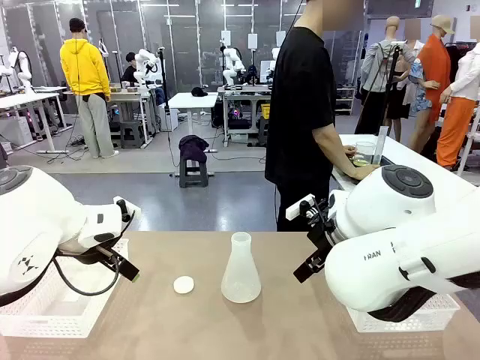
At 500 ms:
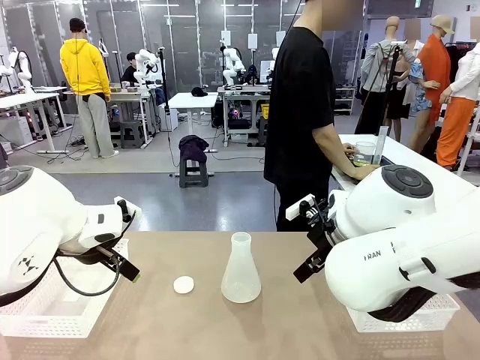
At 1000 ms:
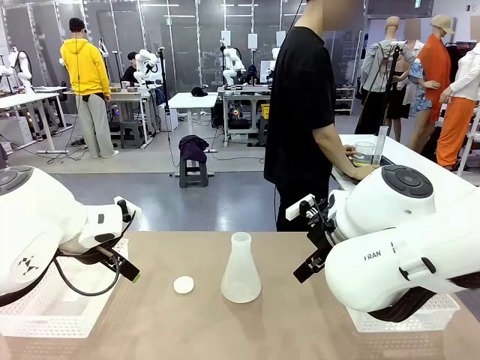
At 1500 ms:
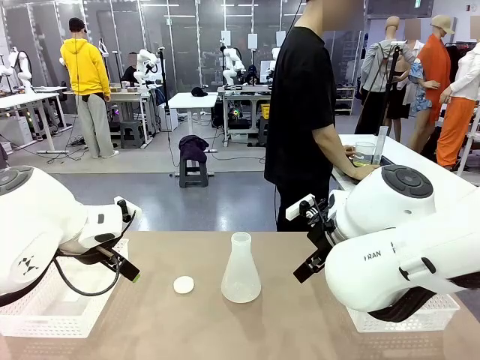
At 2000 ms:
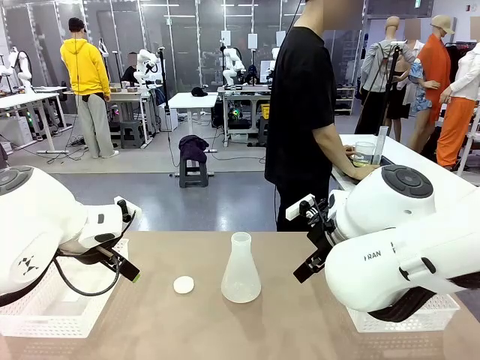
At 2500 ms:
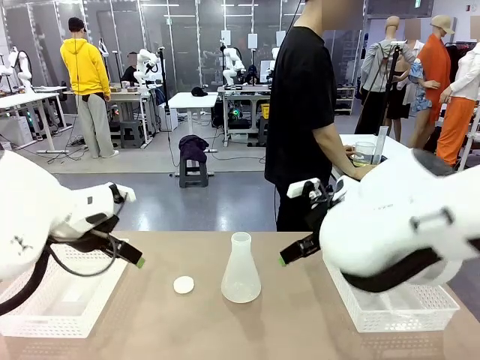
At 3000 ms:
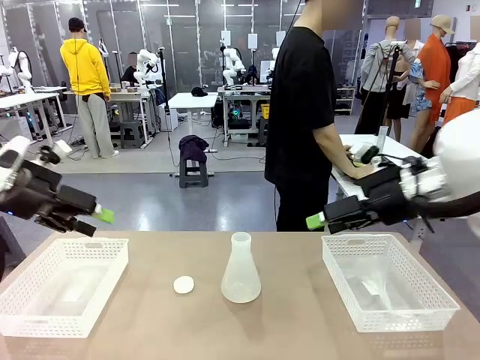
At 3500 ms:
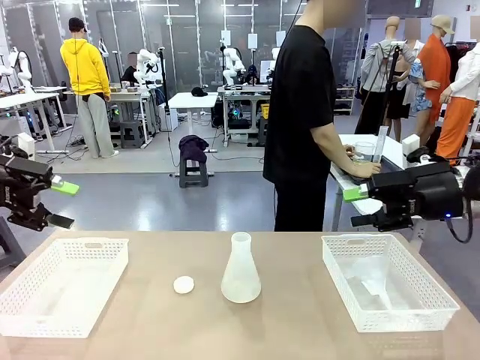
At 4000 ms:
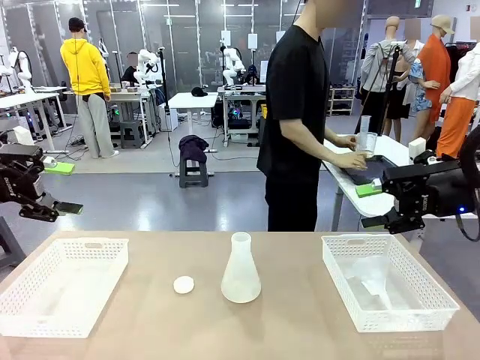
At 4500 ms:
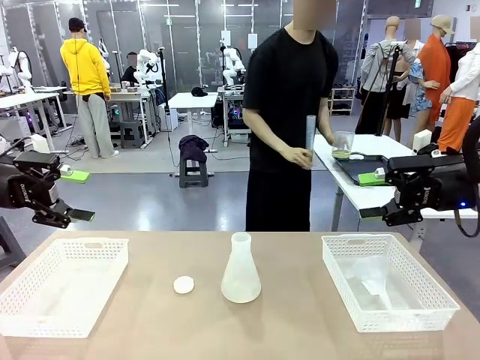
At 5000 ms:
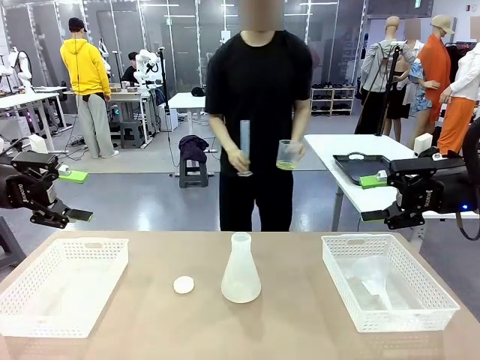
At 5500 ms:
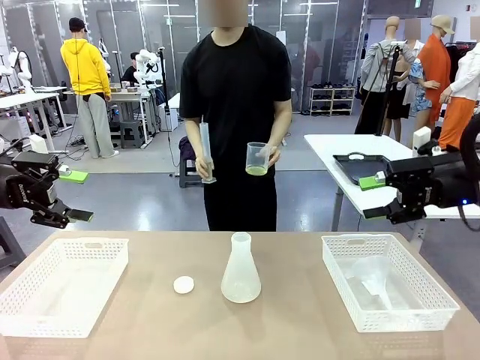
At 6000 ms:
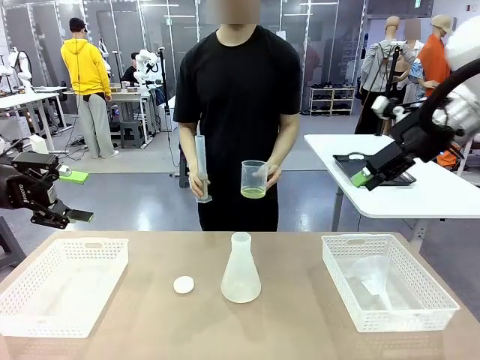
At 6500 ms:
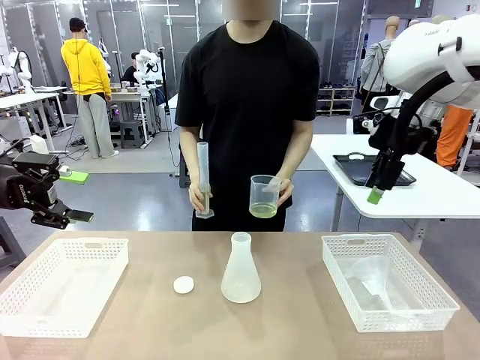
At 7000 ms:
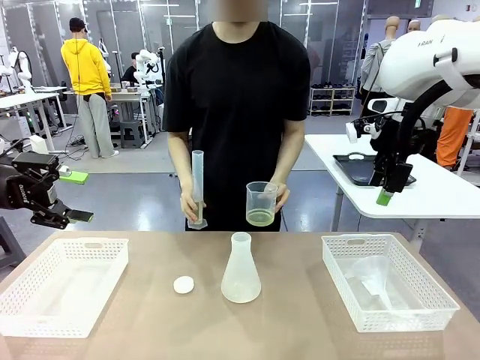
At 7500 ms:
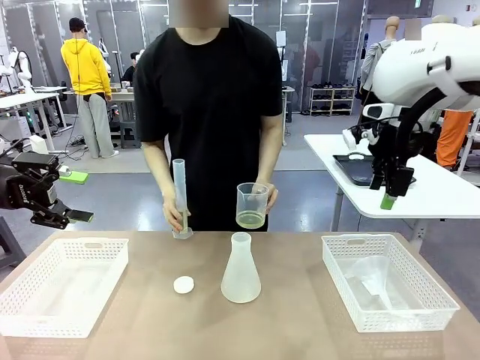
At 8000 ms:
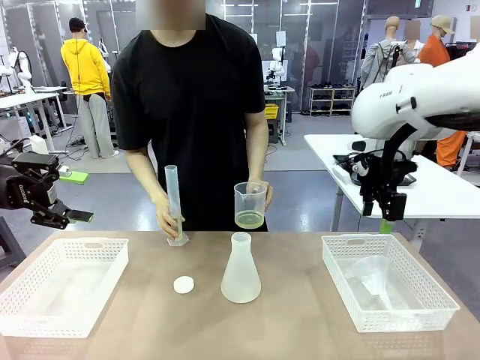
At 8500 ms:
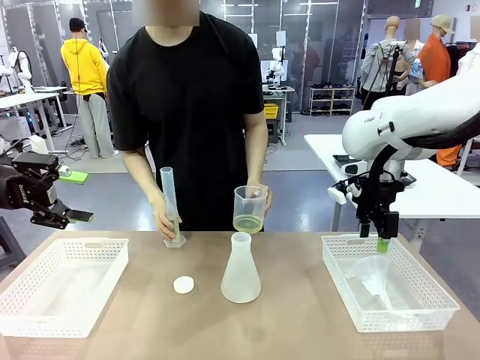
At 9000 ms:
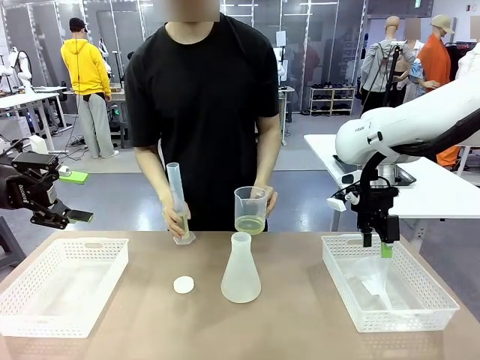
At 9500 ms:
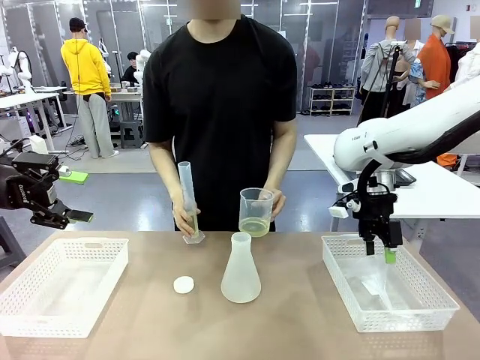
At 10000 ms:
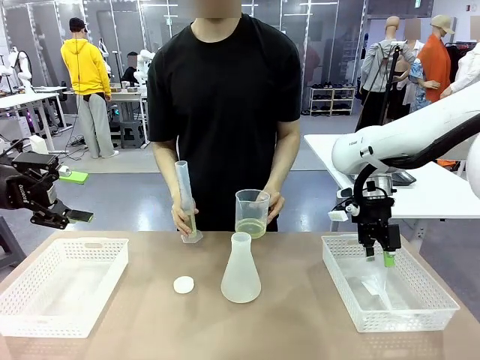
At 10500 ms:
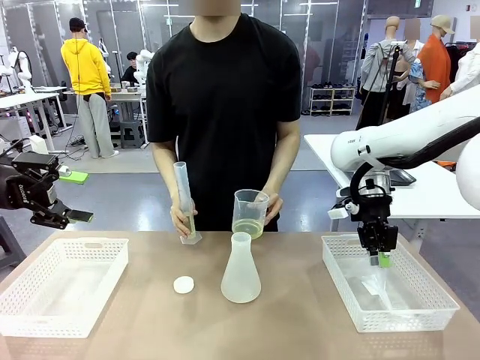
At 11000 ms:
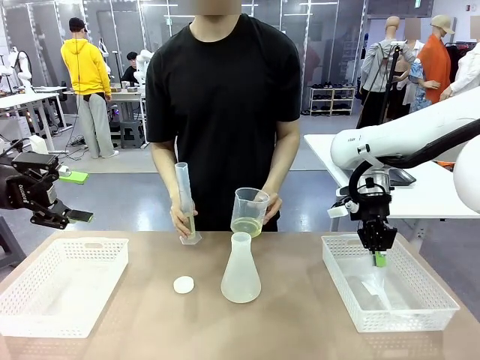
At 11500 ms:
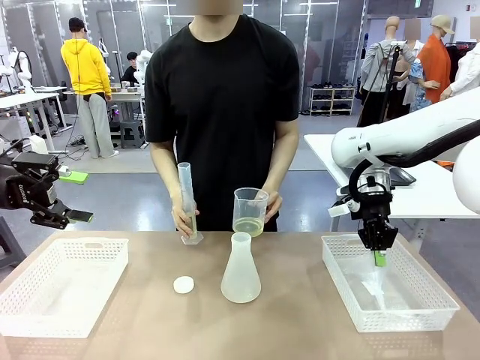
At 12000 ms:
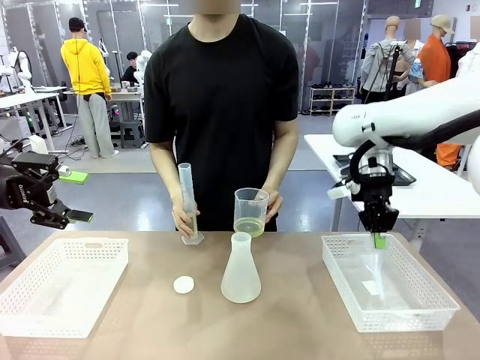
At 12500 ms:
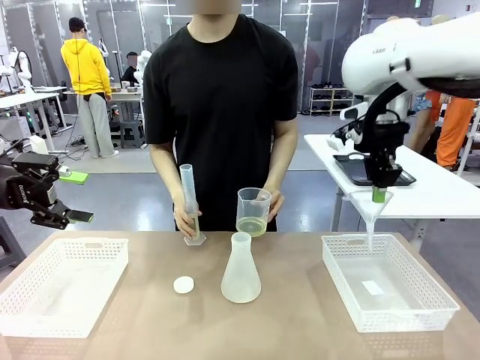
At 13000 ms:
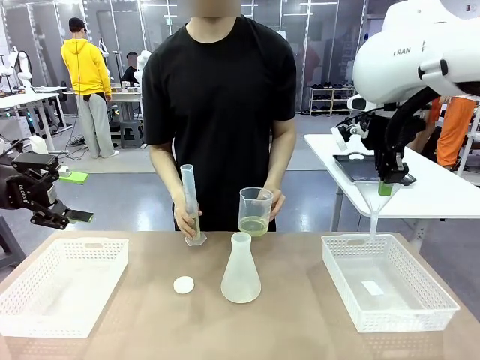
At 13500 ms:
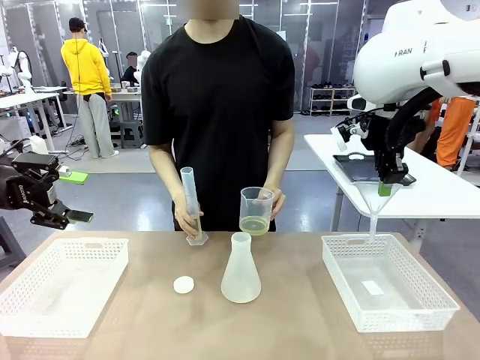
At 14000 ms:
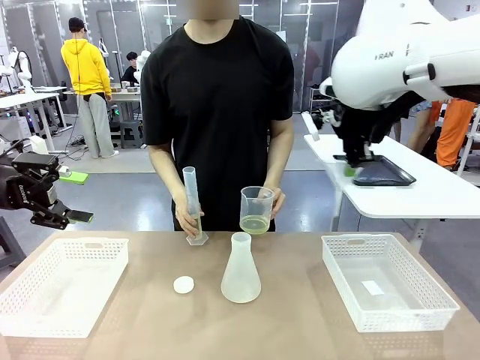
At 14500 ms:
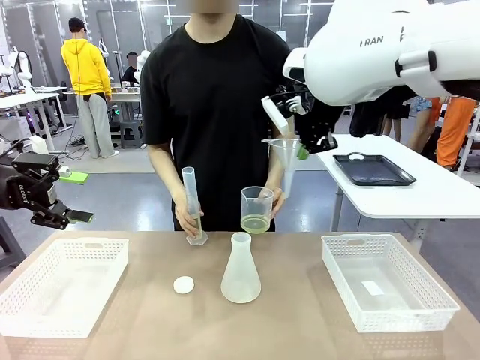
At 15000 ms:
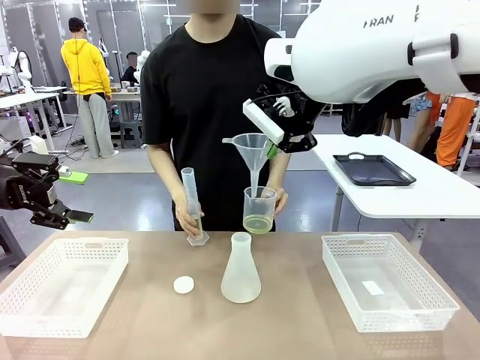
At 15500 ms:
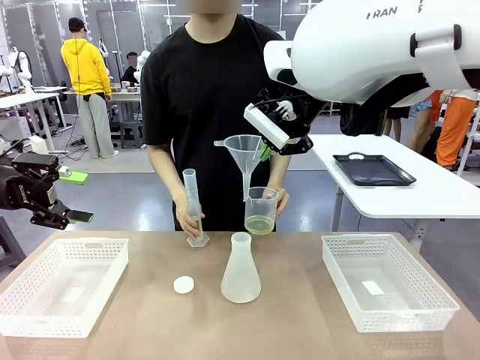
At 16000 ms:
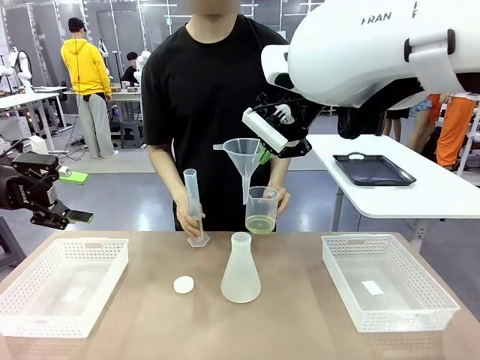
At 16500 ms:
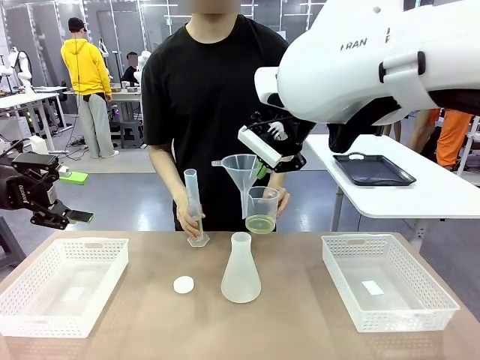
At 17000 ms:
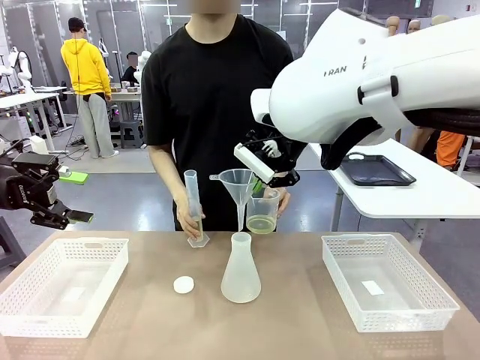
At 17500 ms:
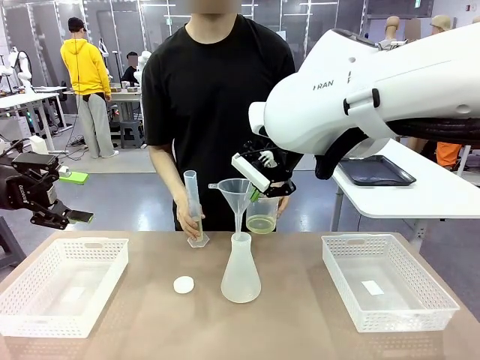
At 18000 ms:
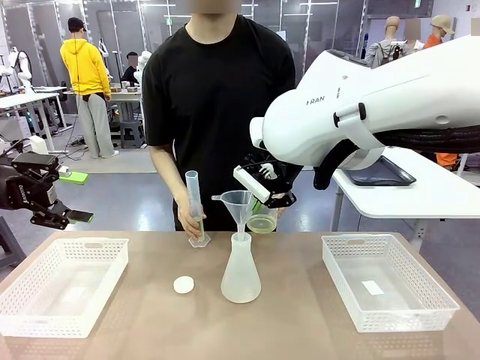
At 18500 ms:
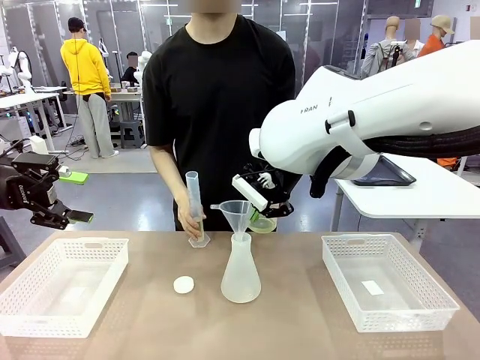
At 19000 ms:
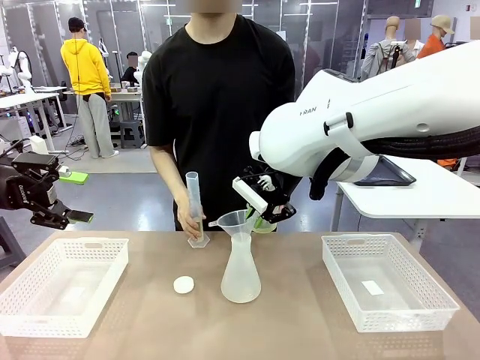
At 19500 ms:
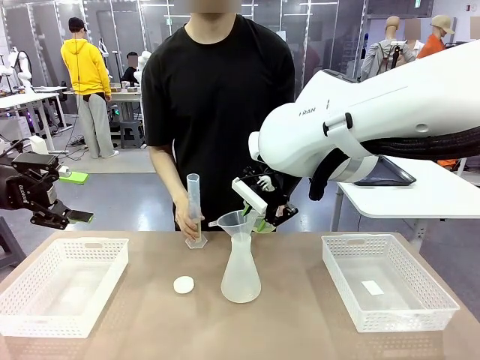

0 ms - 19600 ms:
Task: Prepare the solutions needed for the experiment.
Robot: Pick up the Plastic Funnel and insert it into the Big flask.
Person: Pick up the beaker and the cylinder and move to the middle of the robot table. Pour the solution from the beaker and the cylinder into the flask.

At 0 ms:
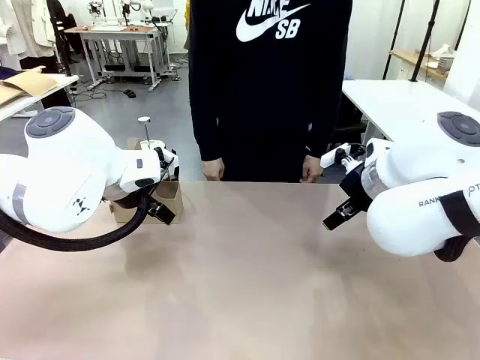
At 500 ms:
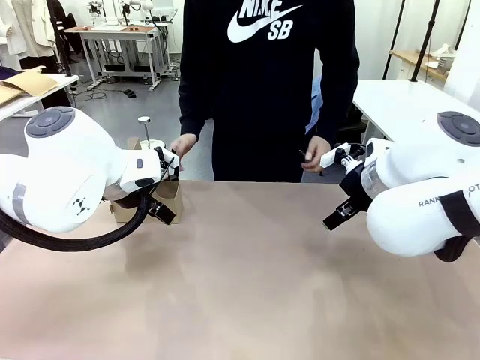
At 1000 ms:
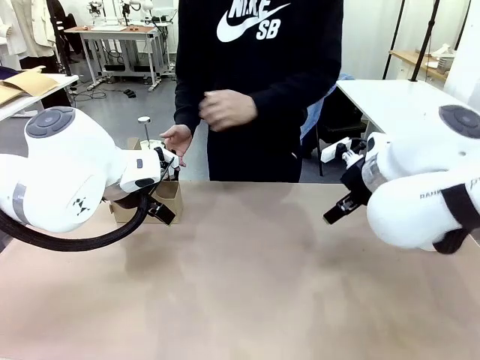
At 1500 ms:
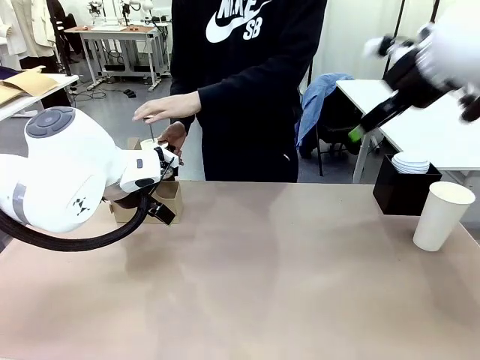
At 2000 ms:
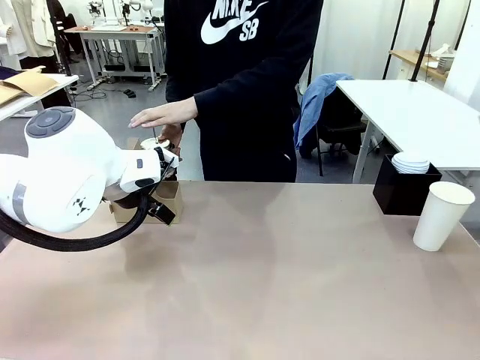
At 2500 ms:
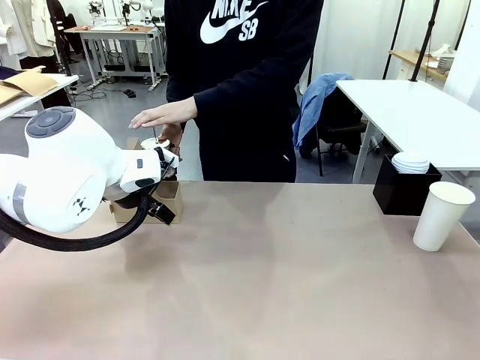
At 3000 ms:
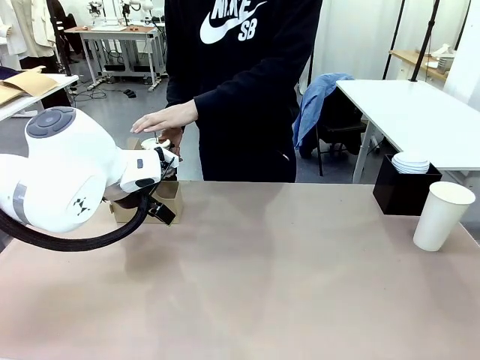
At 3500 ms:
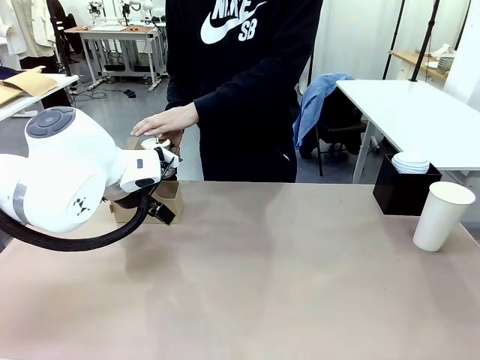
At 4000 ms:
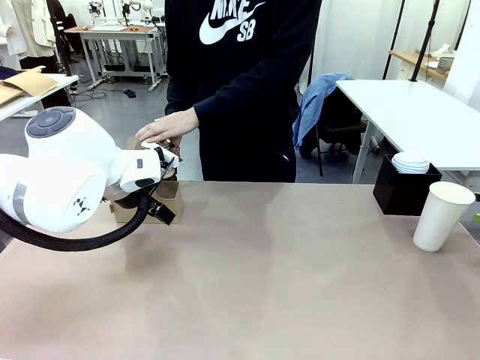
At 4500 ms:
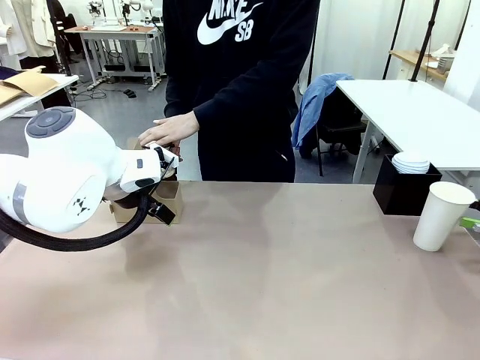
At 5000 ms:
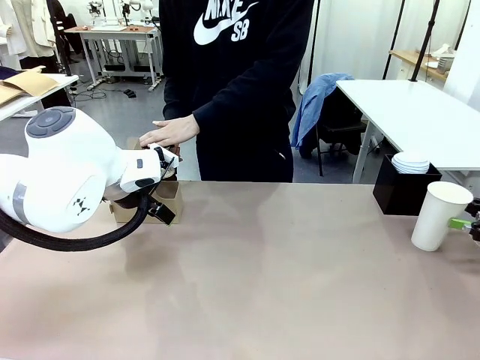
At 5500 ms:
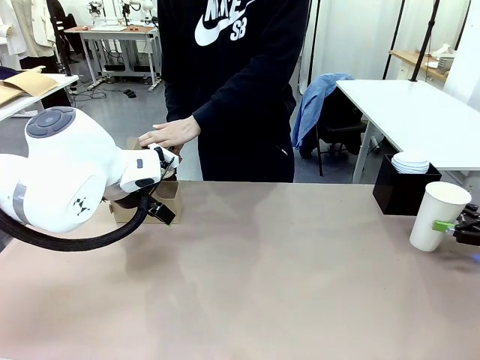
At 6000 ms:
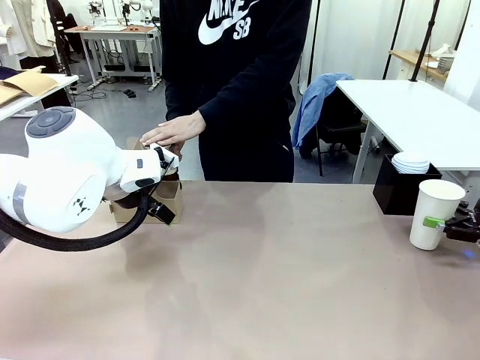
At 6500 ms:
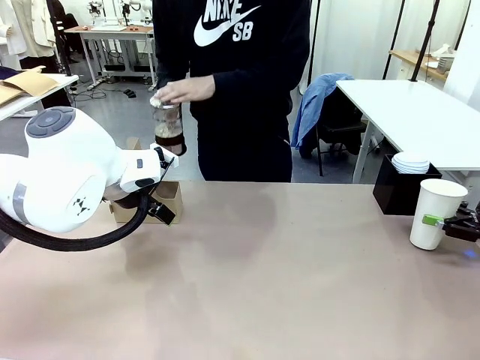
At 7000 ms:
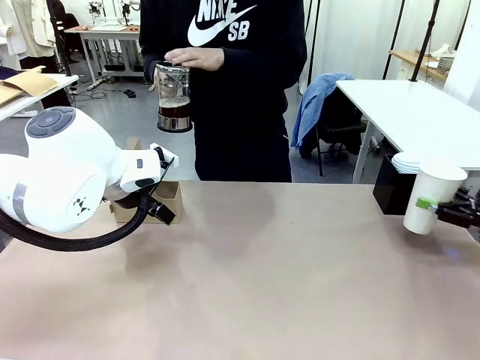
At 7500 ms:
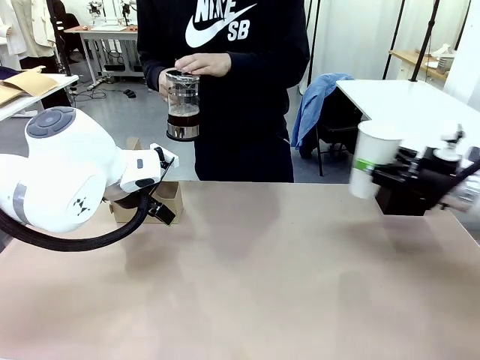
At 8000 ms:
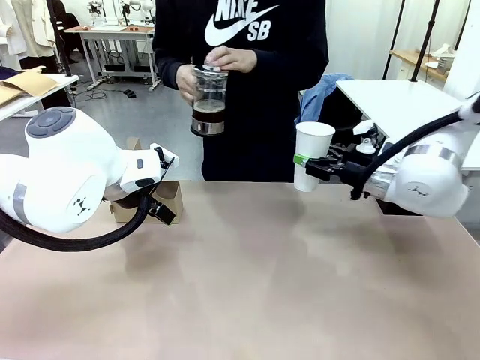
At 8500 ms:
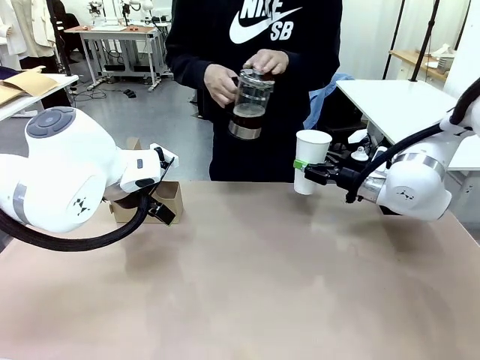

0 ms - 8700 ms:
Task: Pour a drink into a cup and package it in a carrier.
Robot: Pick up the 600 ml Paper Cup and place it in the middle top area of the table.
Person: Press and pick up the Filter Brewing.
